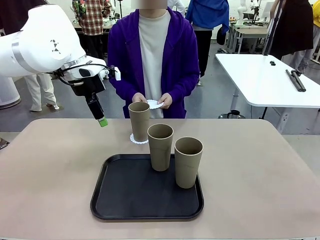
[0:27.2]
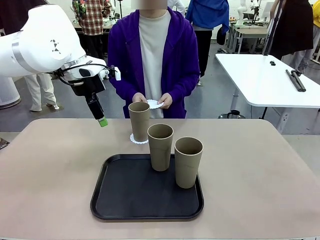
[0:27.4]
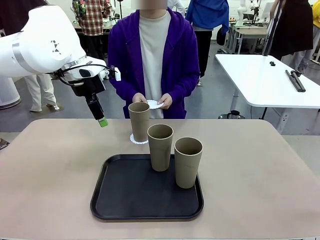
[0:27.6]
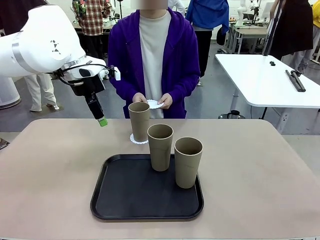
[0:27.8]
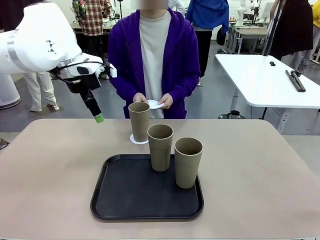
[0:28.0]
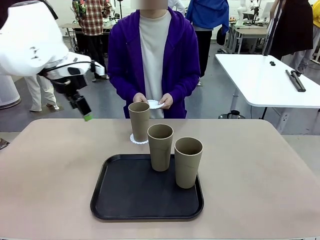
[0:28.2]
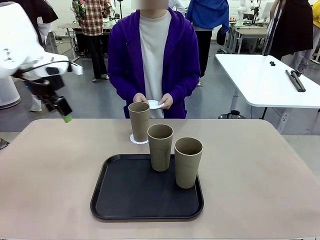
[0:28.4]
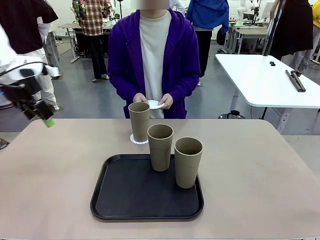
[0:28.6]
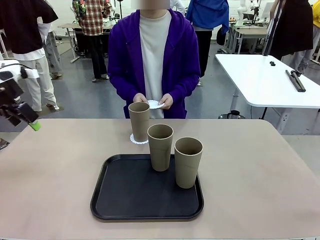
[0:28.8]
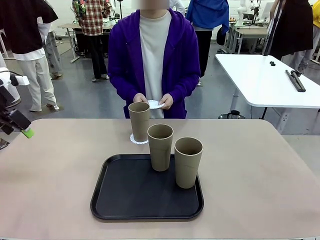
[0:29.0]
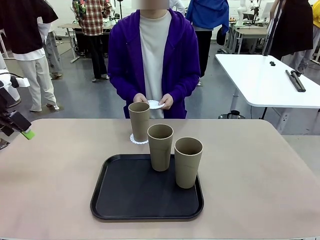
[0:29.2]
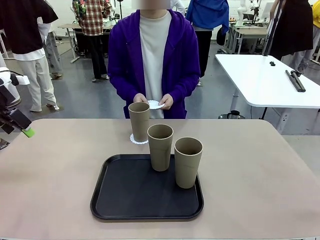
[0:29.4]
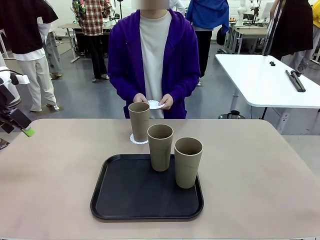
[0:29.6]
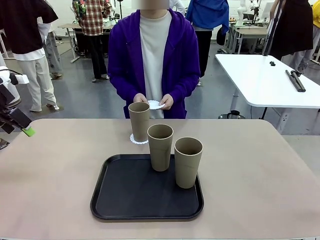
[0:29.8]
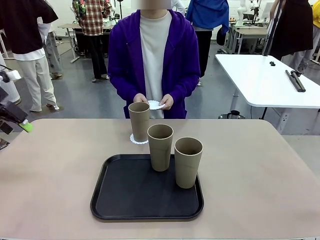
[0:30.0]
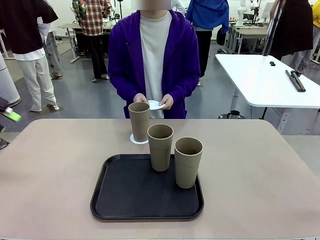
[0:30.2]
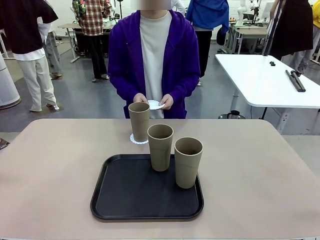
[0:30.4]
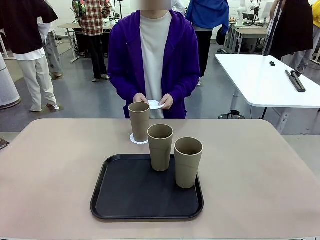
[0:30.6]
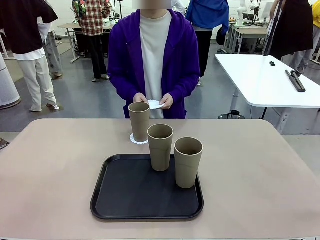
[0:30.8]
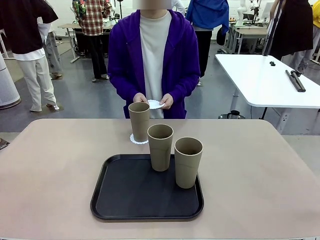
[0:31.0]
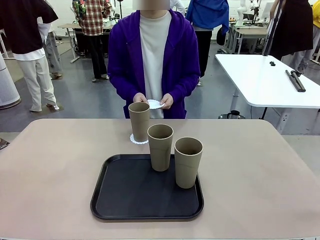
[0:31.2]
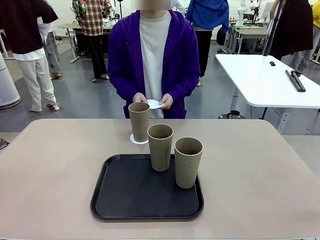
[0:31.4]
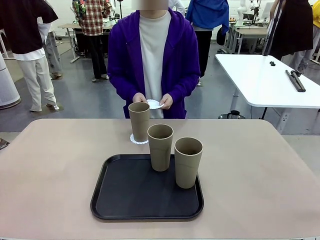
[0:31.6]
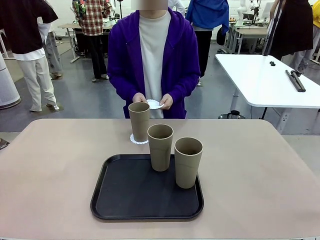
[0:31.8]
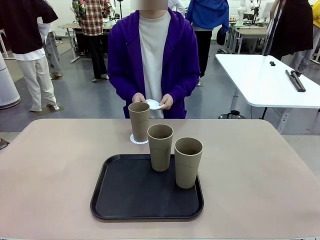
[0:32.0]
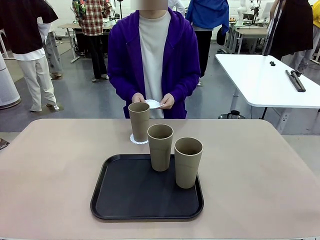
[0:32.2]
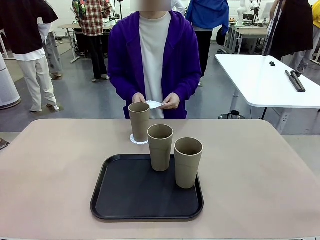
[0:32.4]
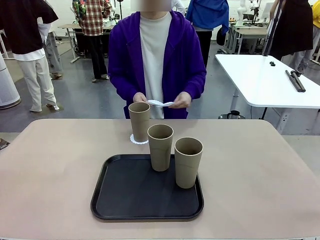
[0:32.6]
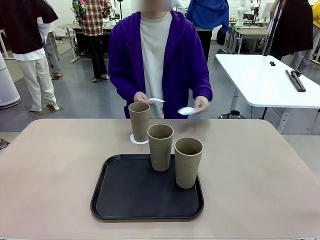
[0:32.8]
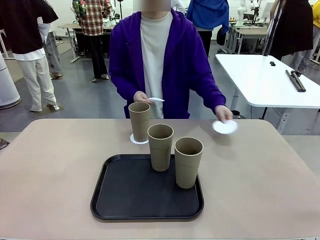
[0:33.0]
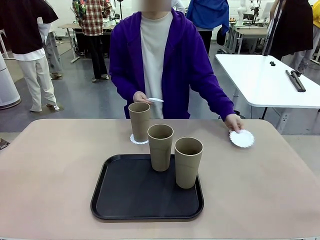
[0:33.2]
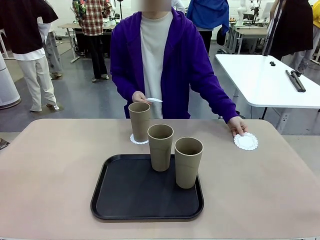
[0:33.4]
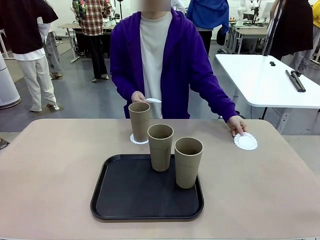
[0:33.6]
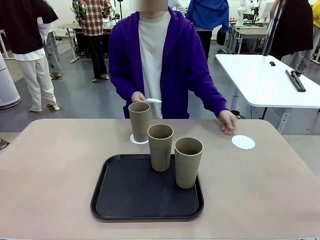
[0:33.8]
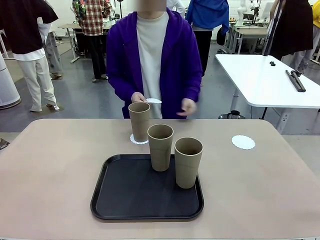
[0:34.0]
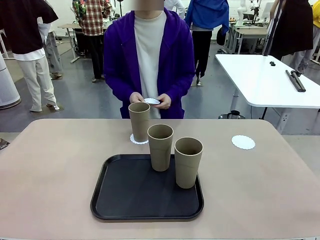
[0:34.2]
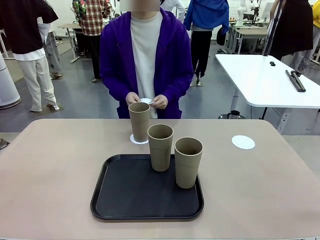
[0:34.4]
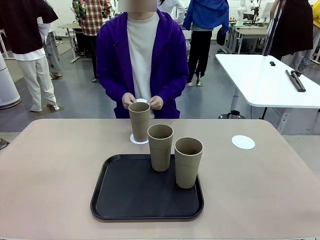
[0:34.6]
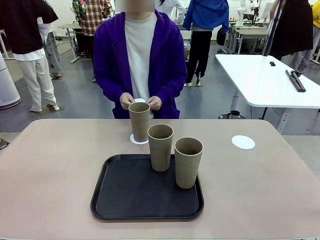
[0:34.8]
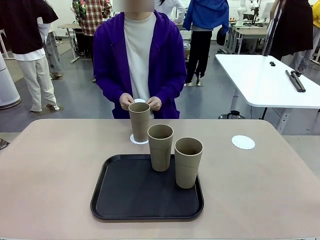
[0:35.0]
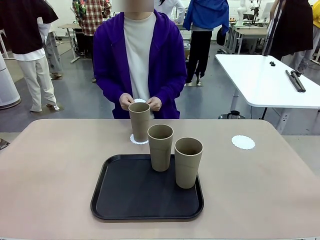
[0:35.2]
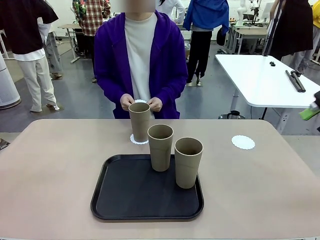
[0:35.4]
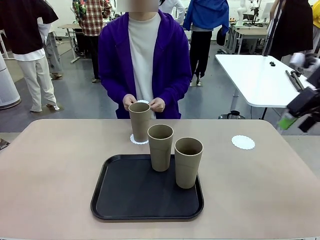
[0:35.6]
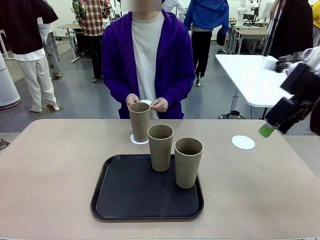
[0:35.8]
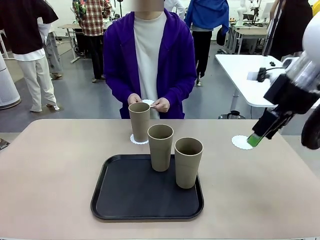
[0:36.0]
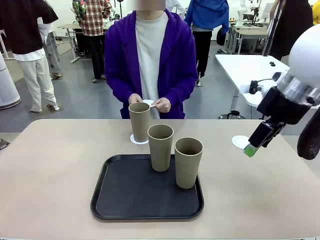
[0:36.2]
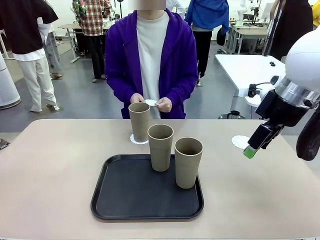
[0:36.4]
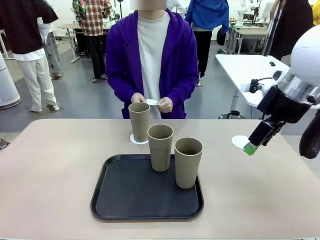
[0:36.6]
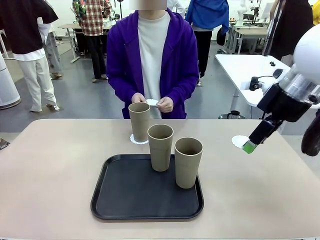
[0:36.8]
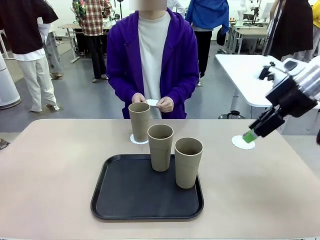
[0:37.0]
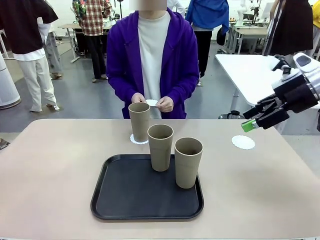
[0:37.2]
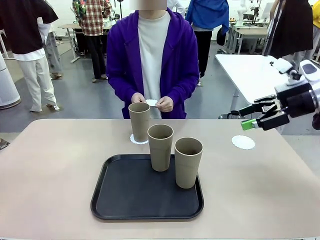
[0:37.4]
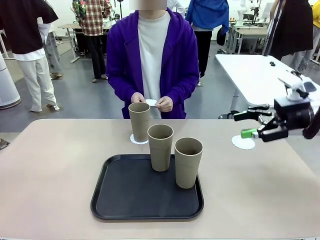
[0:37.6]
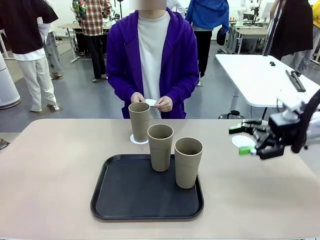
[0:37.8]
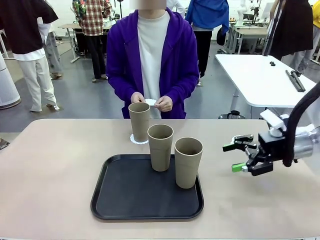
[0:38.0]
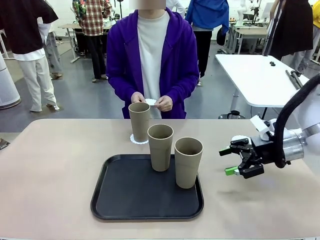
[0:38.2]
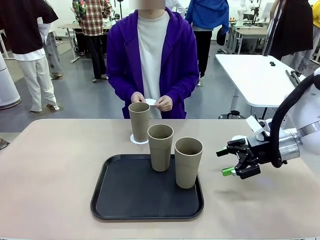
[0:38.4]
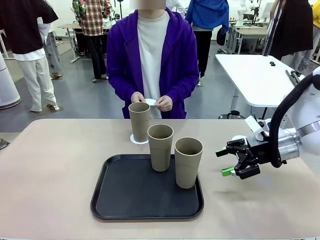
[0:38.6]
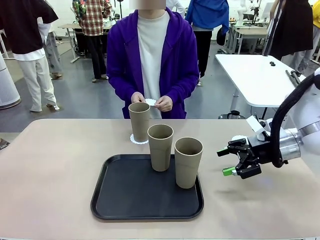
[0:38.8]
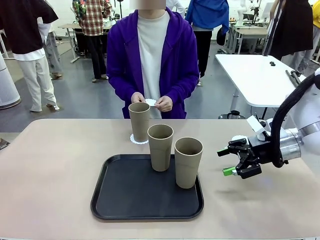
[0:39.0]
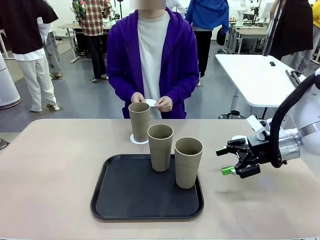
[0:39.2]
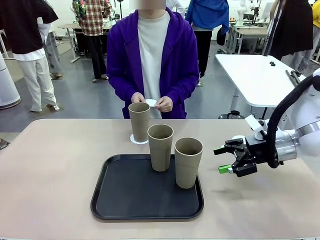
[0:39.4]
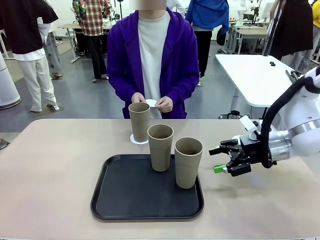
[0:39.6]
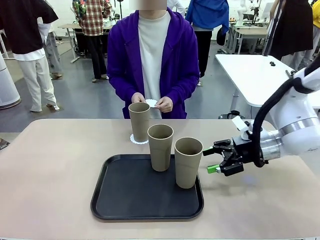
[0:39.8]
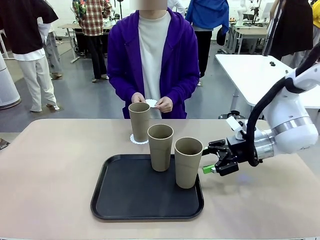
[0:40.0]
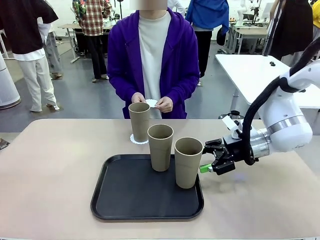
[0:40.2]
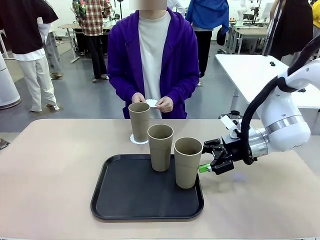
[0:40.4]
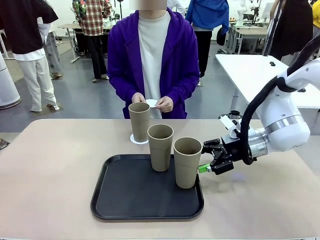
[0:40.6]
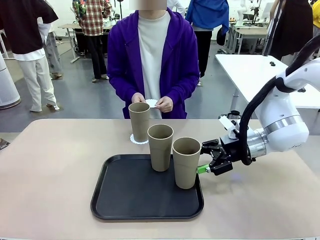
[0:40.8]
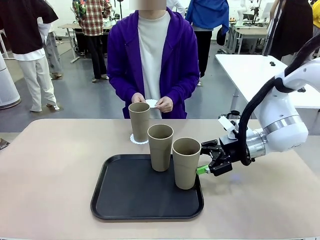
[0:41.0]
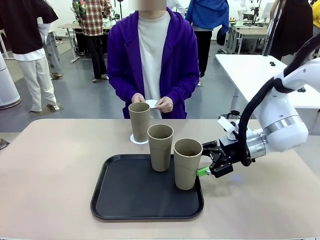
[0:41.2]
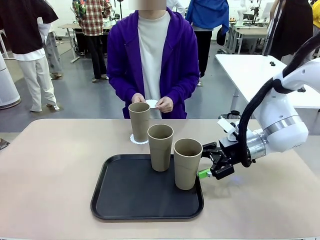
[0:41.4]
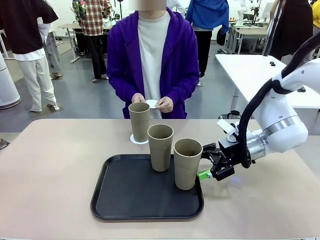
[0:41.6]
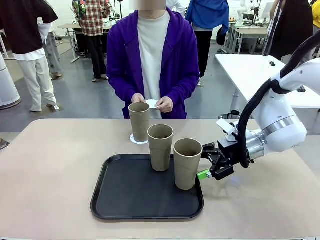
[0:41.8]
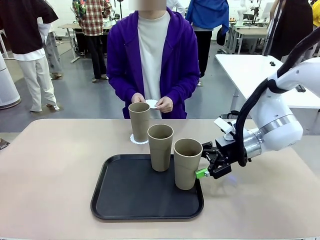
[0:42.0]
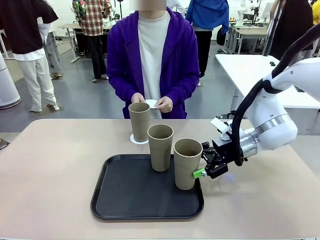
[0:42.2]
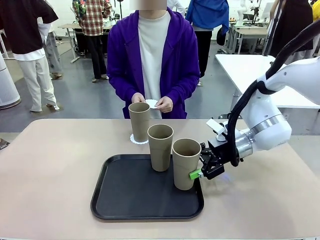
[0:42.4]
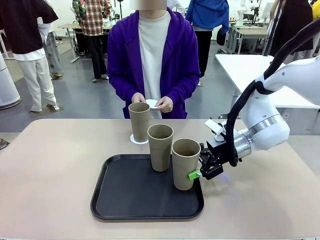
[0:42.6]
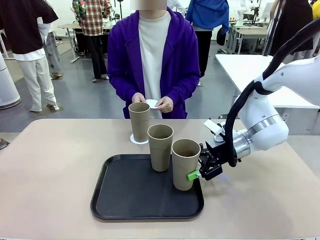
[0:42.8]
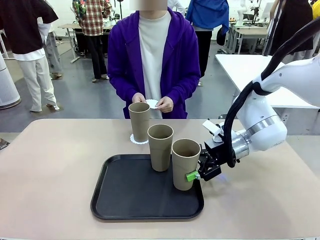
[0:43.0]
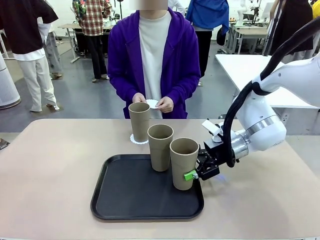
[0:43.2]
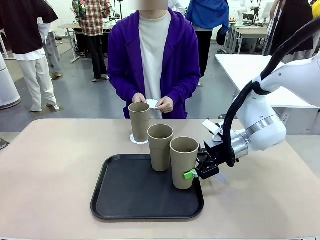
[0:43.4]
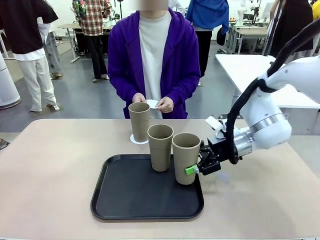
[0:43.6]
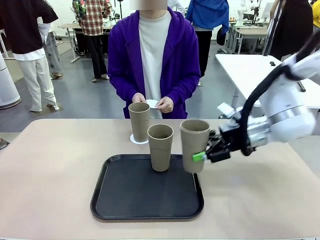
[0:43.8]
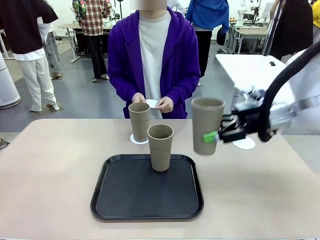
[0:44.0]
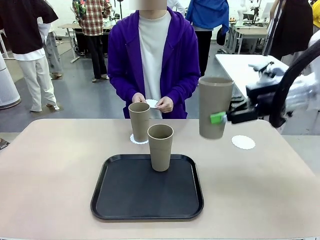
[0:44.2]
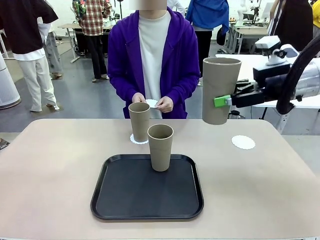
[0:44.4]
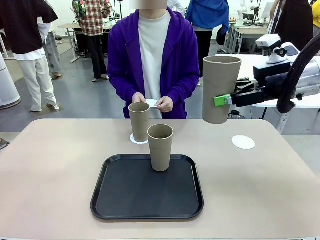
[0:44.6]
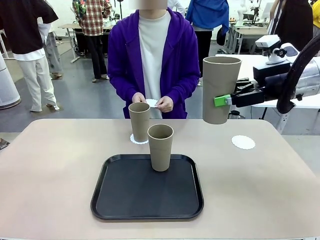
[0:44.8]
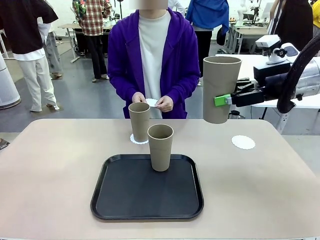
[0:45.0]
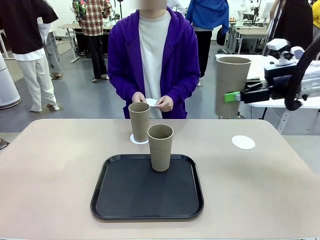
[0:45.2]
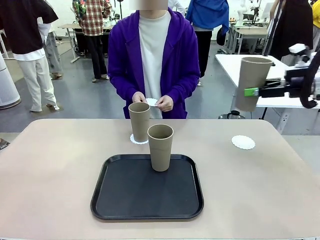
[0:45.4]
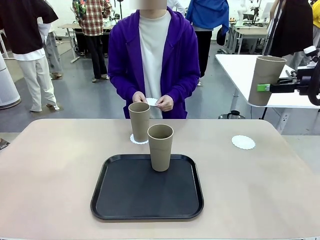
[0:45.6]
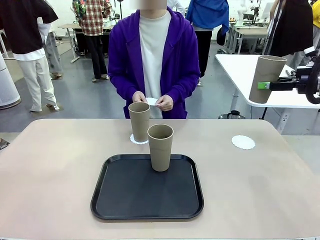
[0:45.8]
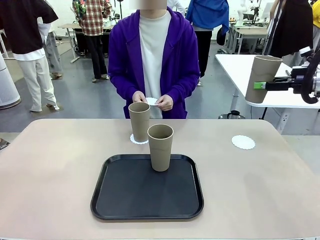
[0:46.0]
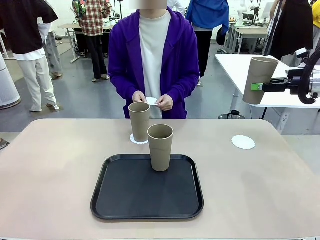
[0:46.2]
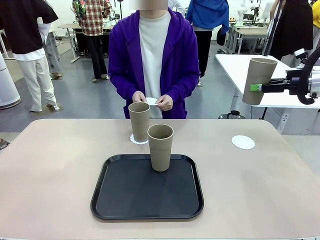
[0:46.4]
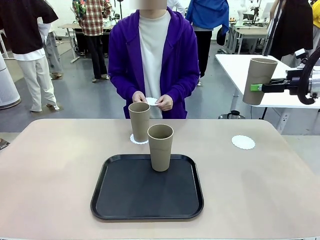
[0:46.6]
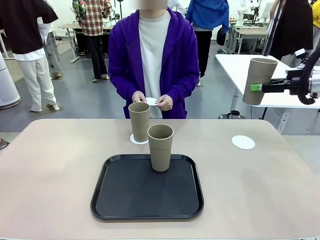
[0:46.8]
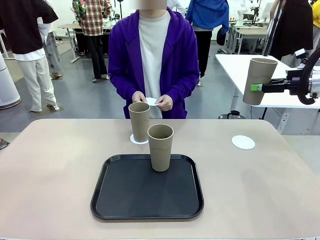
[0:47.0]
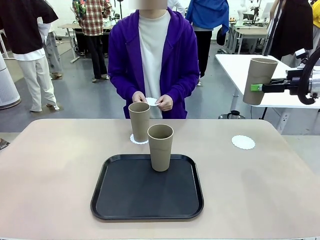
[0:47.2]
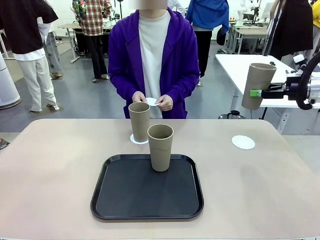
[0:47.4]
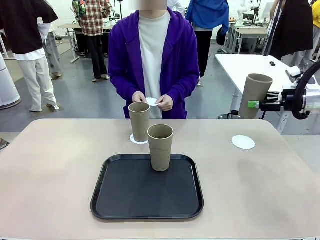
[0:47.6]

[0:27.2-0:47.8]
Task: Place coasters on the table and set cups on them.
Robot: Take one Reusable plastic cup from the Flat Tray and place it on a coaster set by the human.
